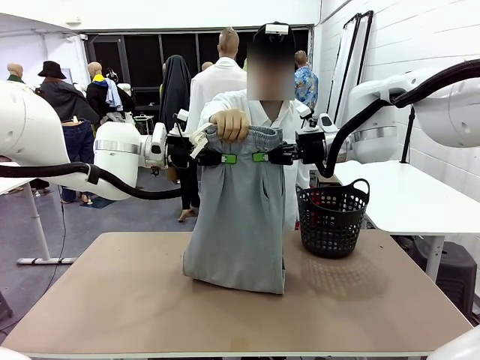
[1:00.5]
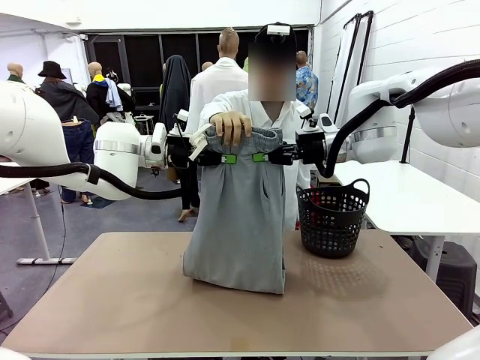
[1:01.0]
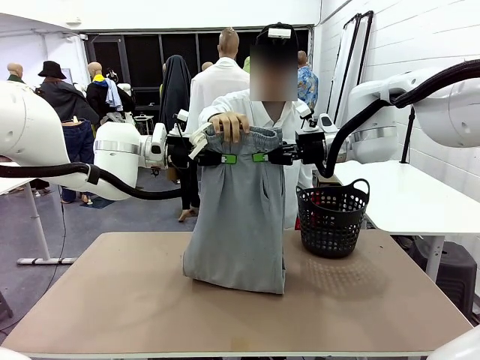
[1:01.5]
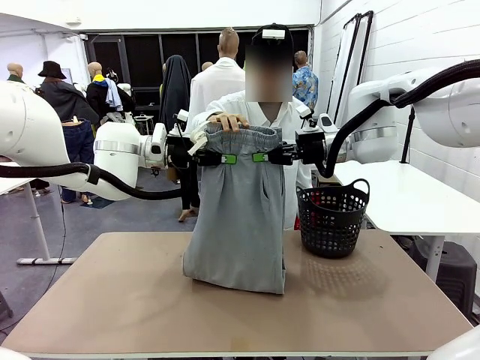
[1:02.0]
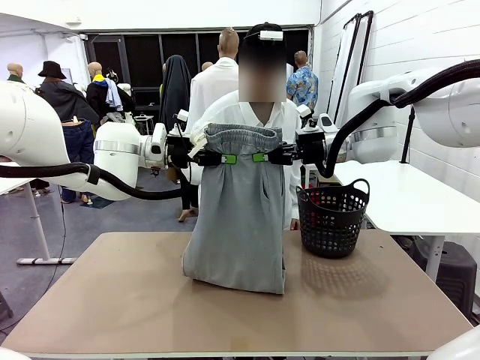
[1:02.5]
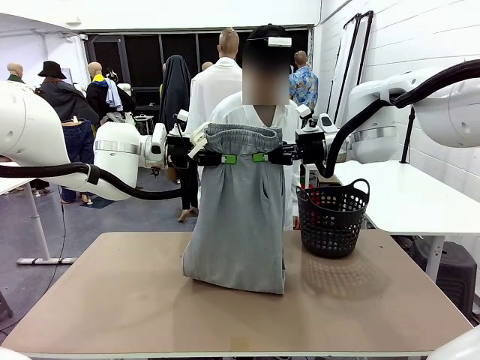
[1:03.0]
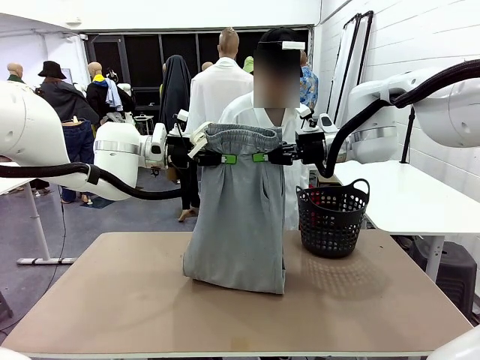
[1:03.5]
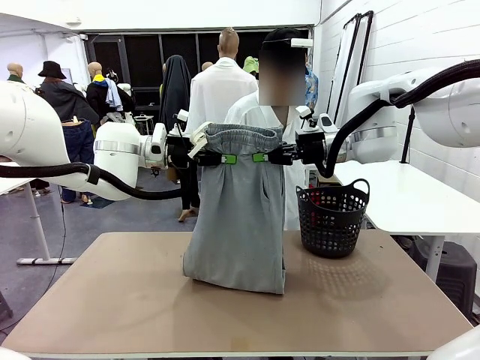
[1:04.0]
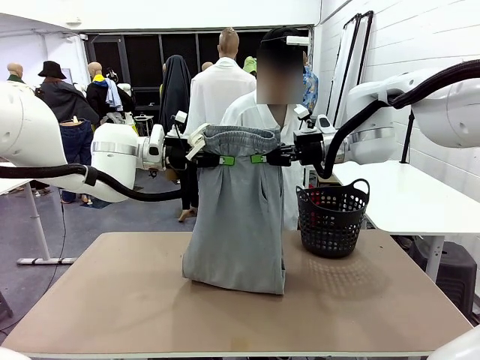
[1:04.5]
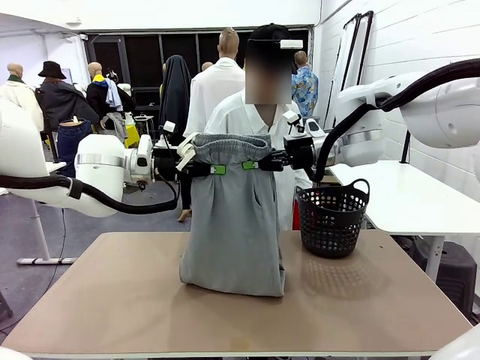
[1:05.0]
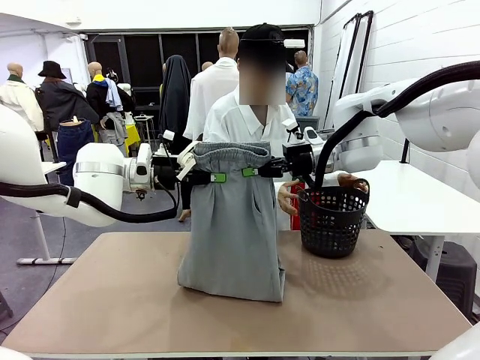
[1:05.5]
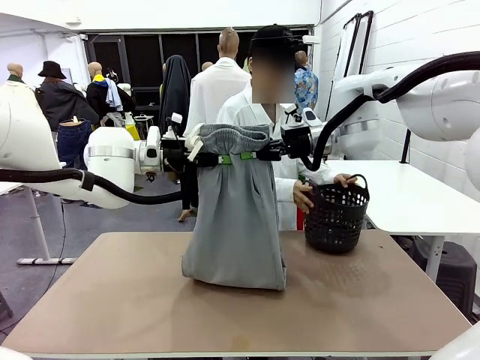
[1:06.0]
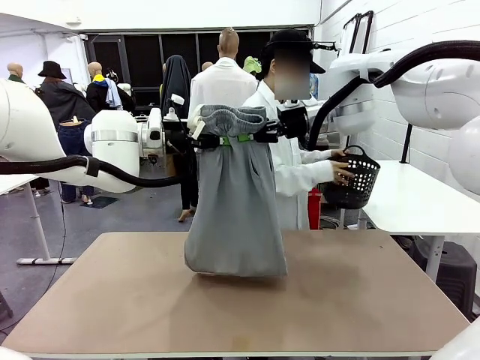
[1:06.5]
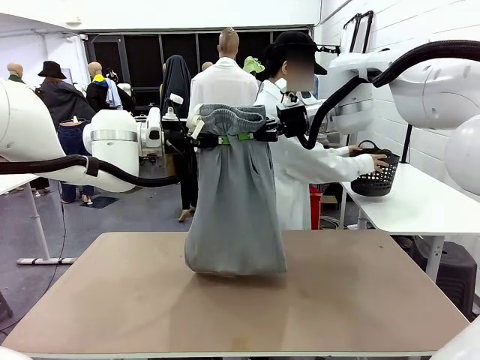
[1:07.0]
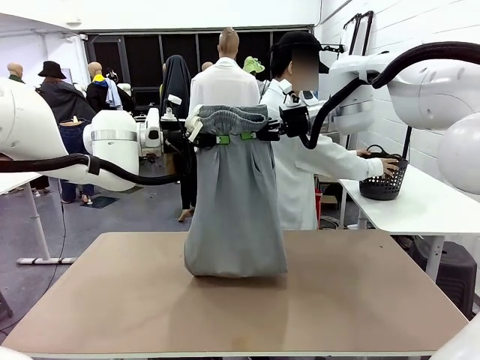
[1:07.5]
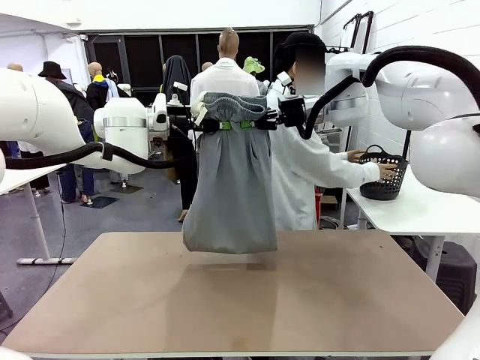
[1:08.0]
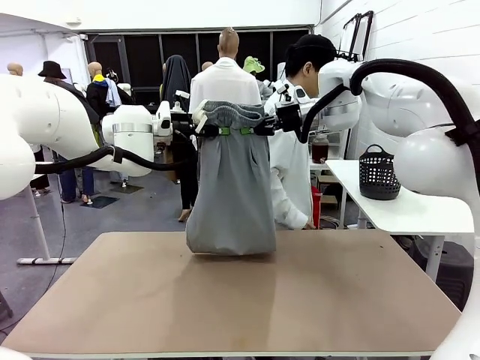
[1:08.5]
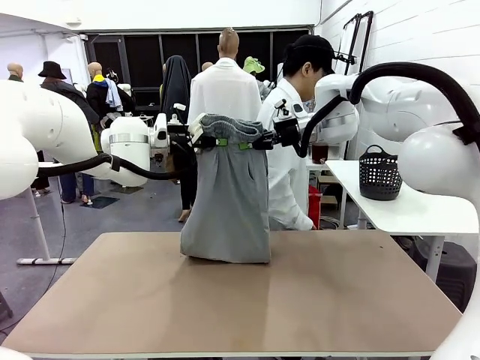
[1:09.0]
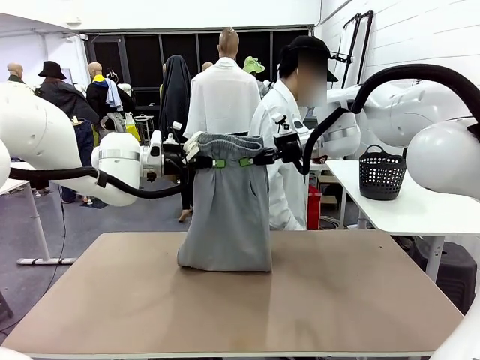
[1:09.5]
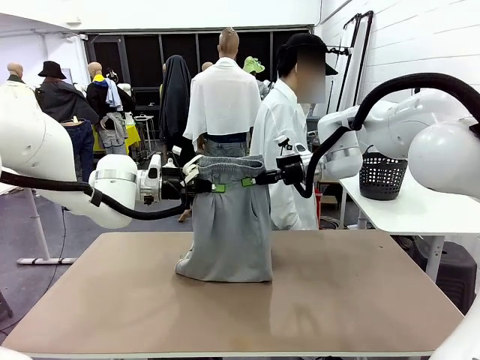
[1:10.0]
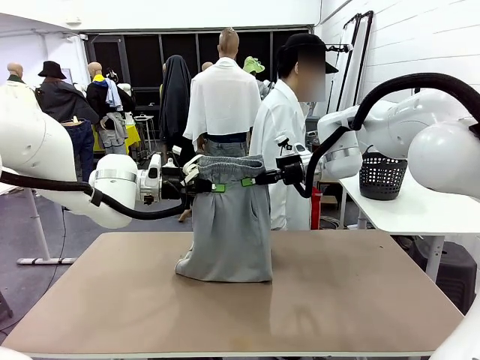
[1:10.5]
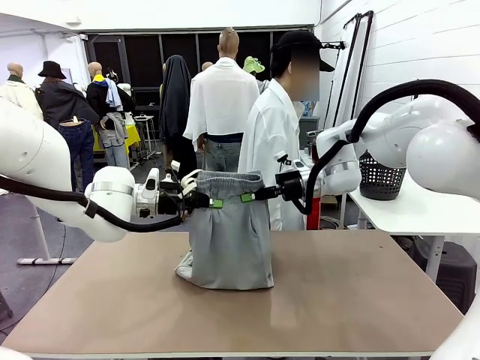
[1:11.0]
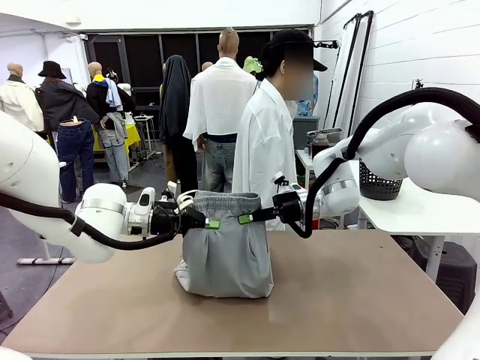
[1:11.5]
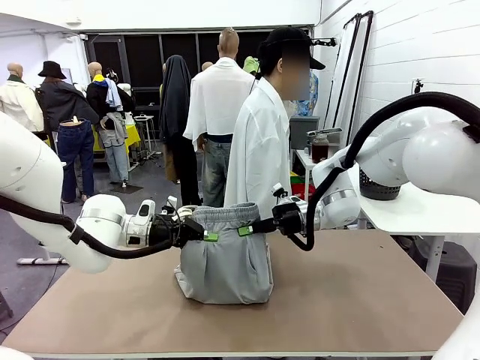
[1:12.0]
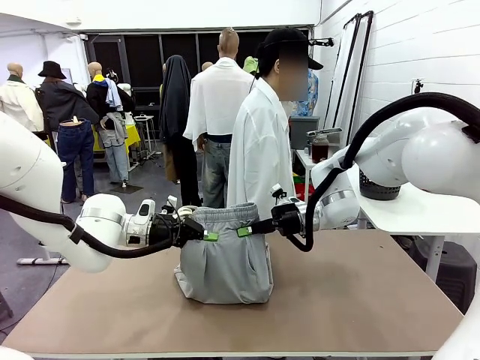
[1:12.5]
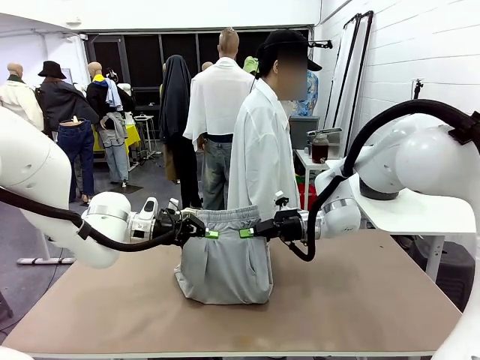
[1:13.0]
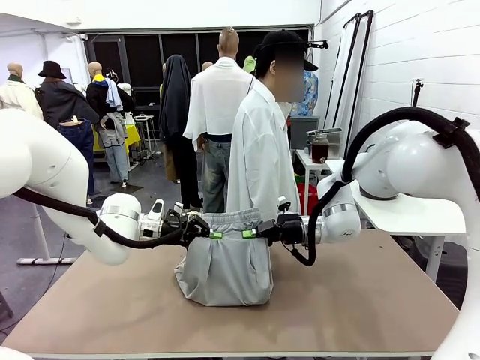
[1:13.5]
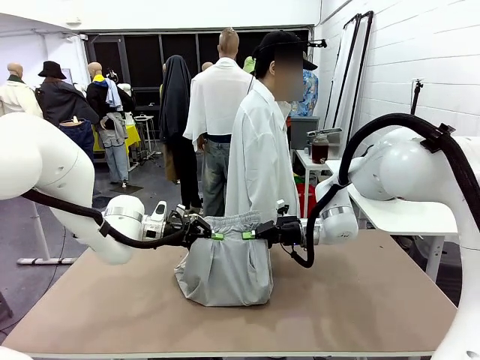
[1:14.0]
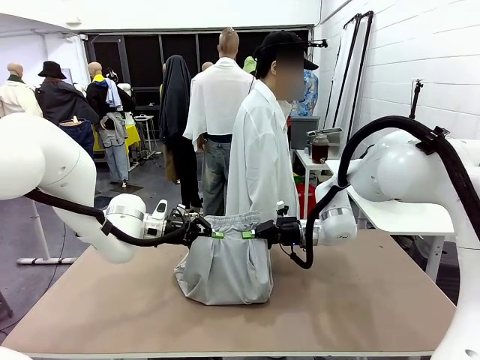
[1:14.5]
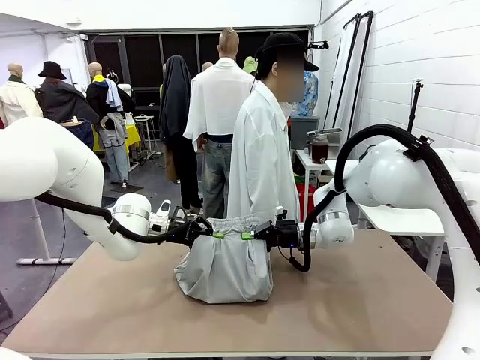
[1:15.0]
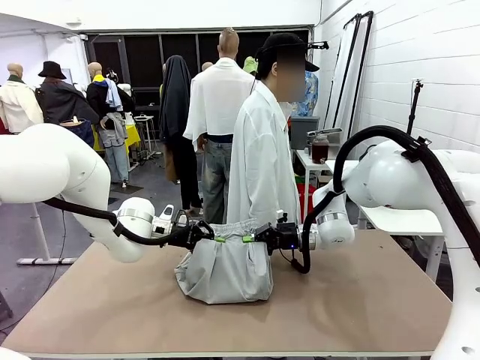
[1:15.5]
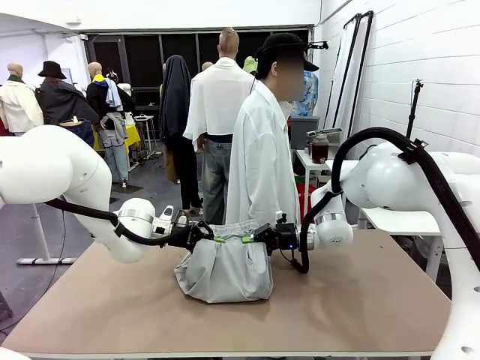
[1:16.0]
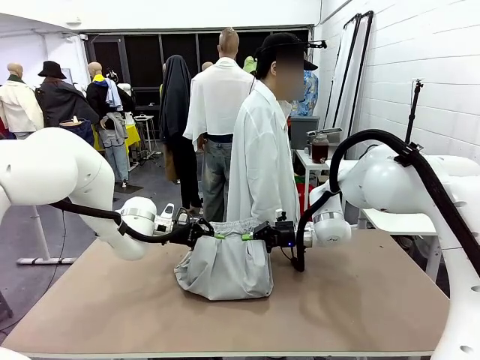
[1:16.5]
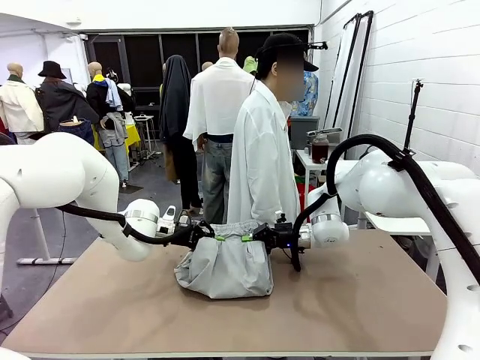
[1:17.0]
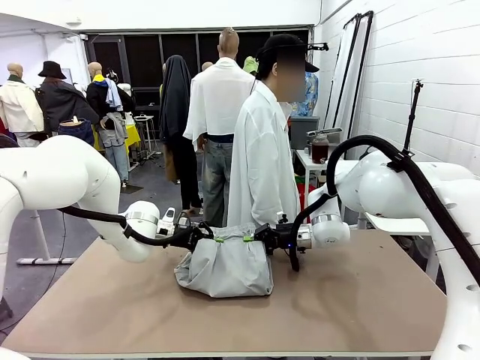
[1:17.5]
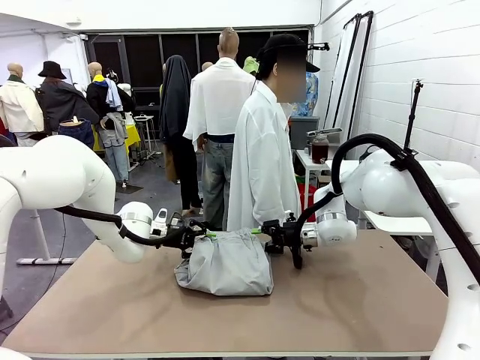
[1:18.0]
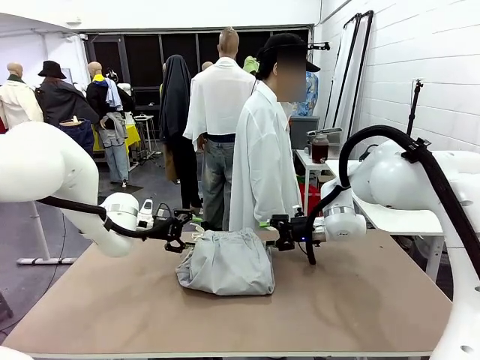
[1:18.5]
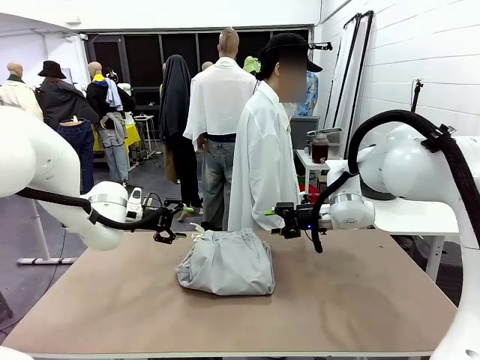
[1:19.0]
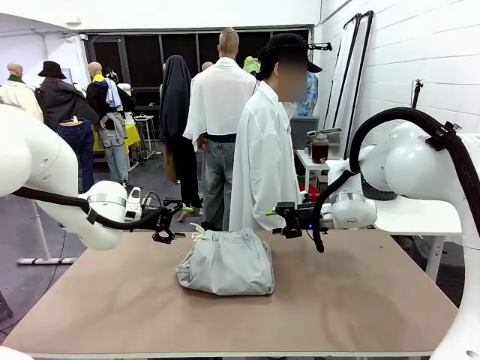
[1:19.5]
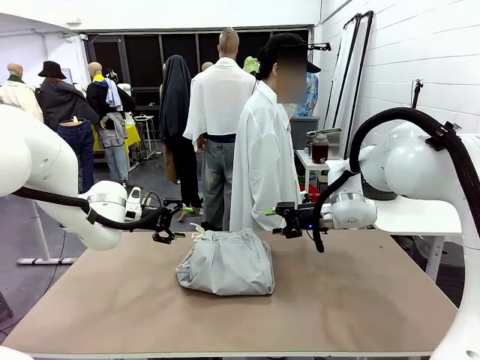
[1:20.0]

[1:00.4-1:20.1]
Task: Fold the training pants.
Robot: Fold the Training pants in half.
Person: Move the laundry basket to the right of the human table.
